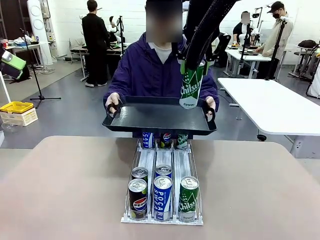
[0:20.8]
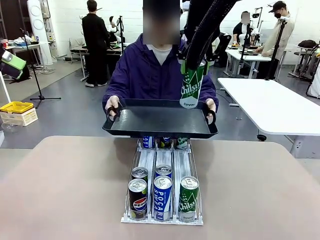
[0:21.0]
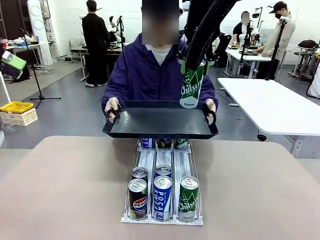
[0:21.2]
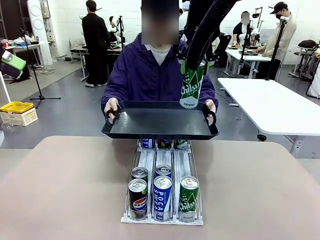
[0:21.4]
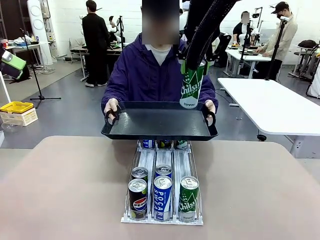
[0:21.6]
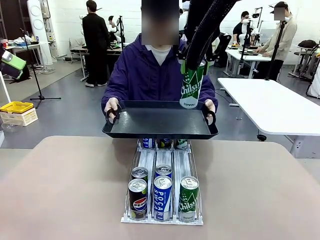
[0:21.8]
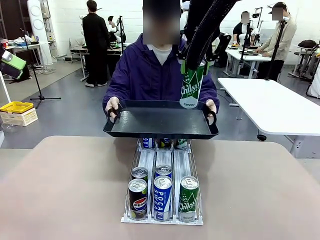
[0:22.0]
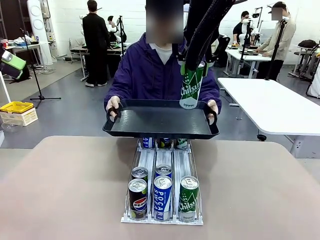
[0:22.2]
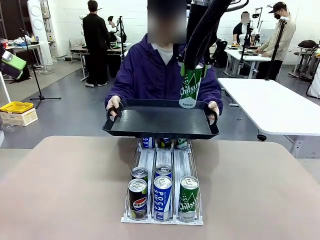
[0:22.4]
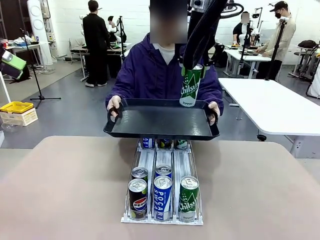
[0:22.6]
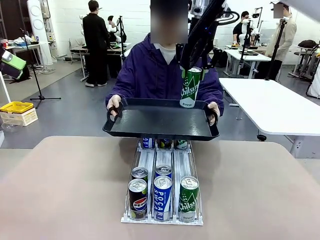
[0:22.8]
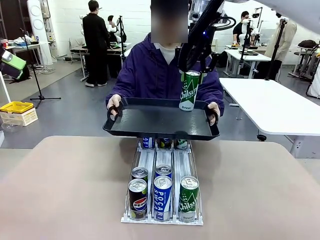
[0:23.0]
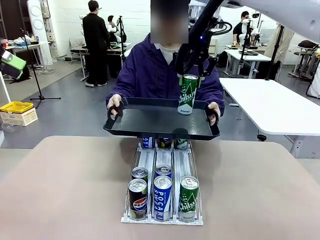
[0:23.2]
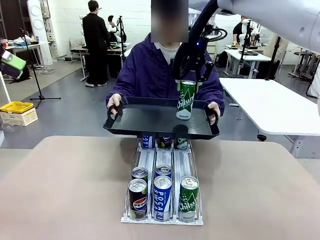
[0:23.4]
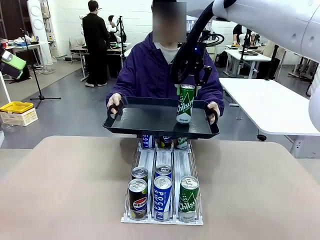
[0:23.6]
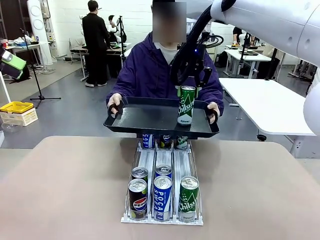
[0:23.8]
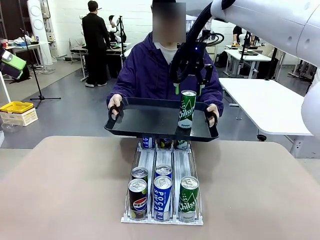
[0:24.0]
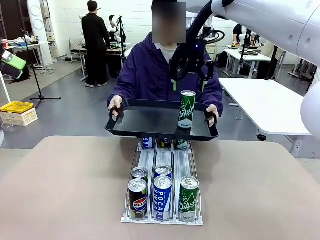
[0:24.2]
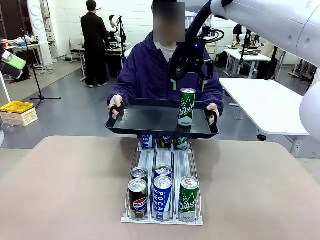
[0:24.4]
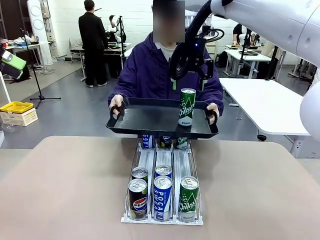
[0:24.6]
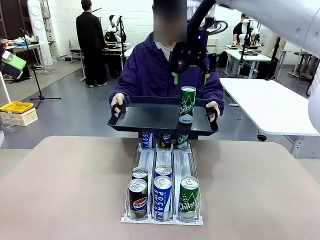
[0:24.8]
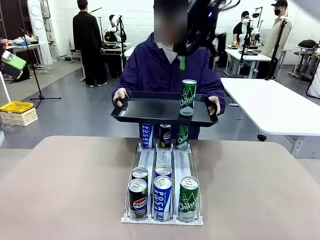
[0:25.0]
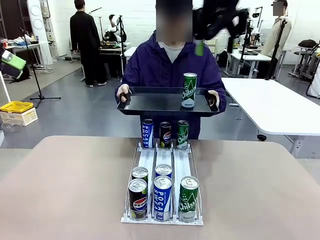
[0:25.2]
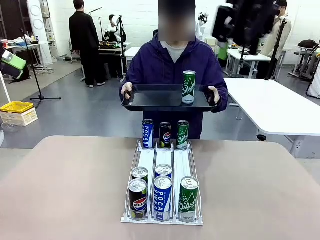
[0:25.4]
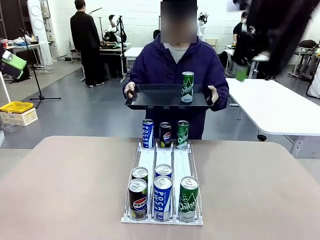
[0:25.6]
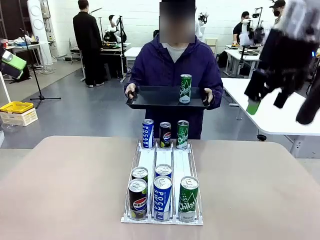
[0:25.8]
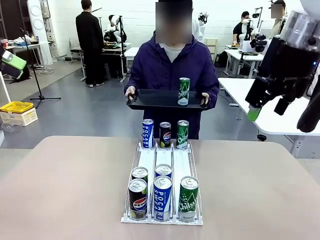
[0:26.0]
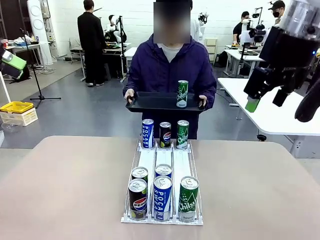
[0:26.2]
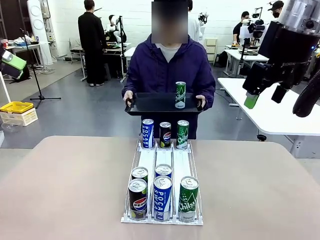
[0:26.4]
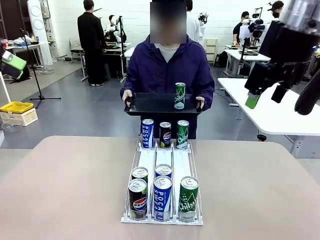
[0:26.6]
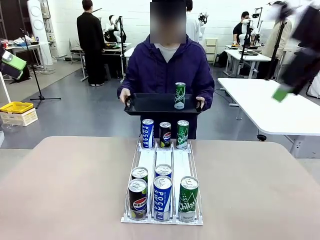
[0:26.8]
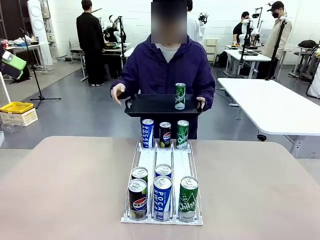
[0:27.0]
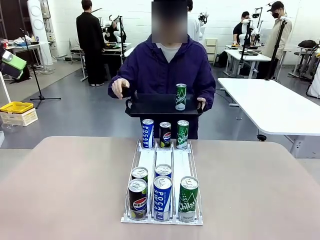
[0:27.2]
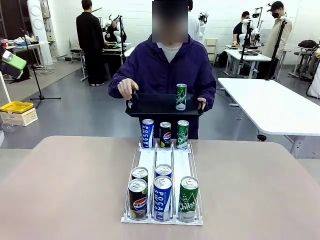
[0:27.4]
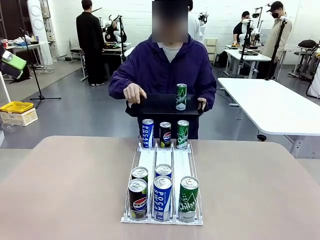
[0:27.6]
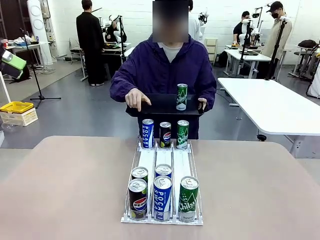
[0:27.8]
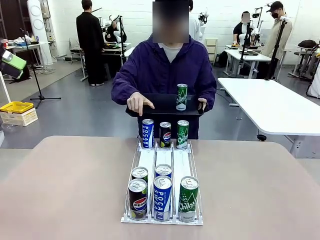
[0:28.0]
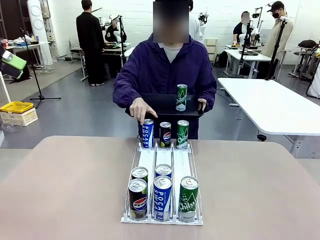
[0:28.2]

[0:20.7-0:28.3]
Task: Retrieve and hand over the desired beverage to the person.
Robot: Place the picked can on the Handle tray extended by the person.
Person: Pull the tray back, then pick up another can from the bottom area of the table and puts it back in its original place.

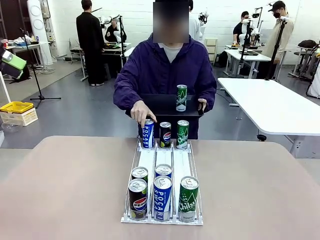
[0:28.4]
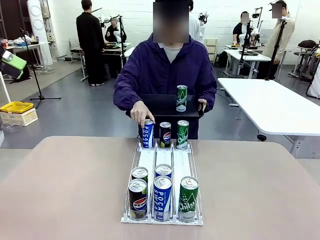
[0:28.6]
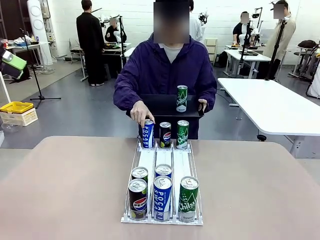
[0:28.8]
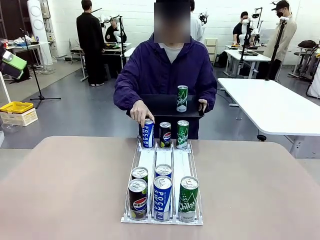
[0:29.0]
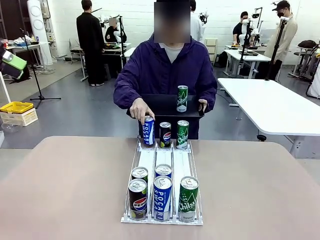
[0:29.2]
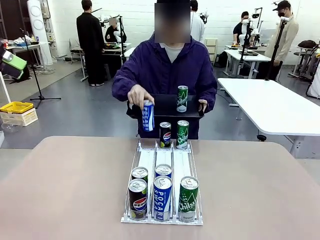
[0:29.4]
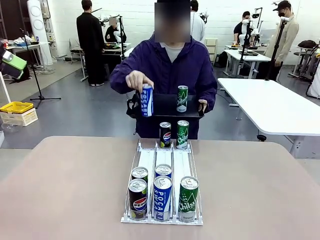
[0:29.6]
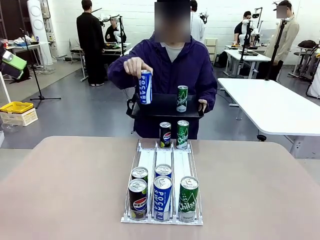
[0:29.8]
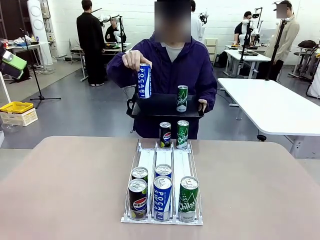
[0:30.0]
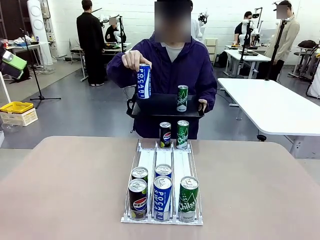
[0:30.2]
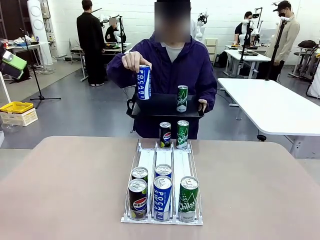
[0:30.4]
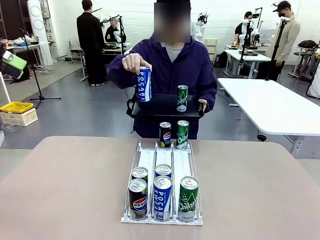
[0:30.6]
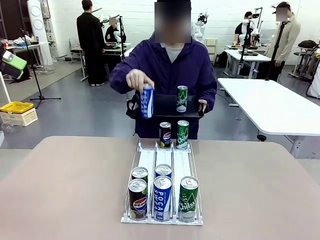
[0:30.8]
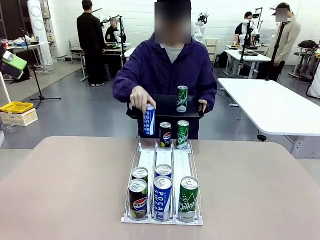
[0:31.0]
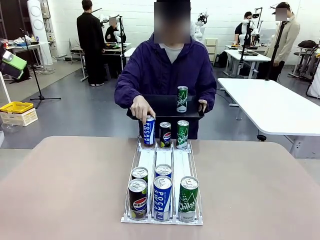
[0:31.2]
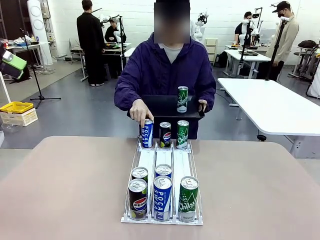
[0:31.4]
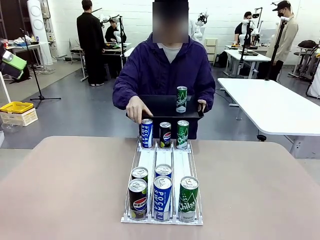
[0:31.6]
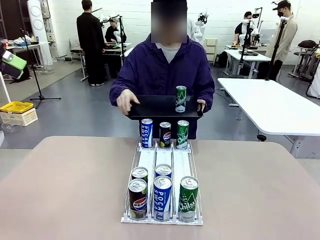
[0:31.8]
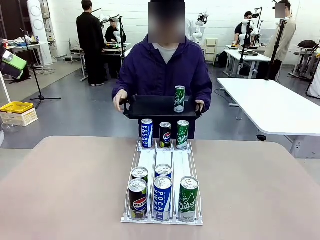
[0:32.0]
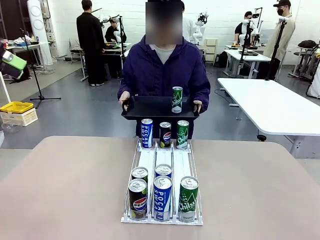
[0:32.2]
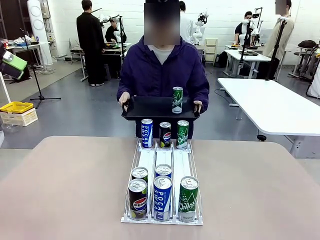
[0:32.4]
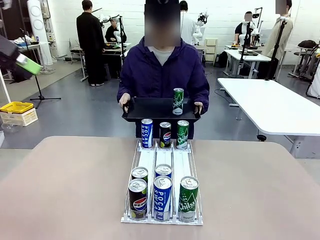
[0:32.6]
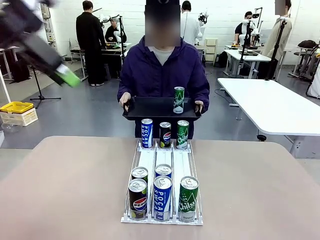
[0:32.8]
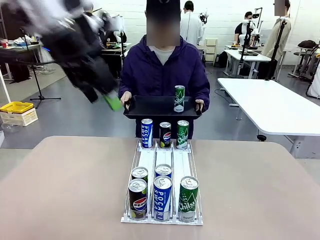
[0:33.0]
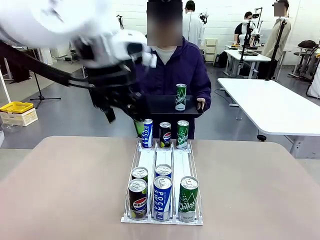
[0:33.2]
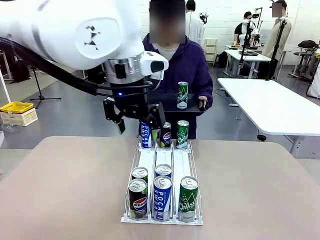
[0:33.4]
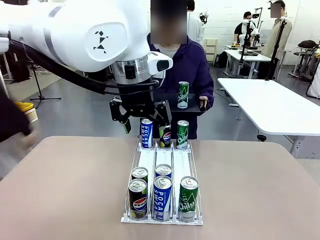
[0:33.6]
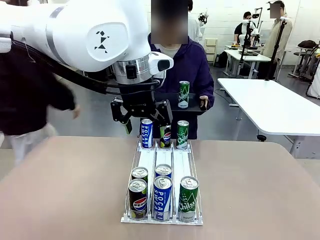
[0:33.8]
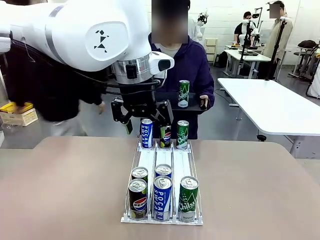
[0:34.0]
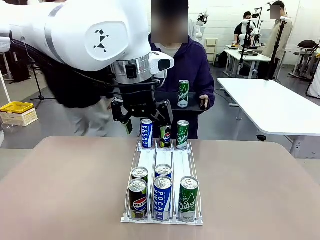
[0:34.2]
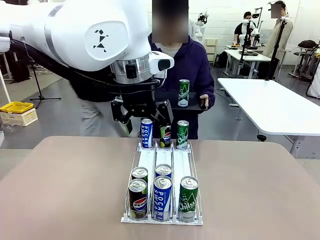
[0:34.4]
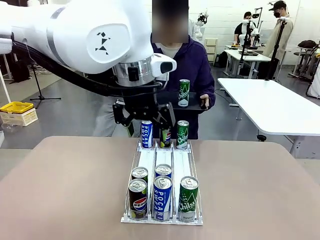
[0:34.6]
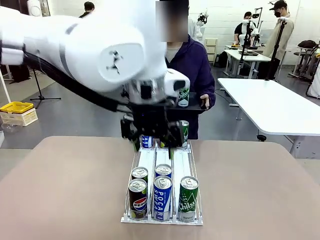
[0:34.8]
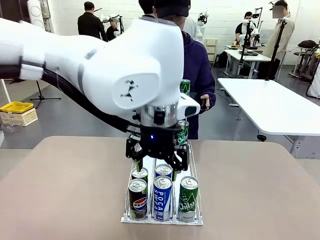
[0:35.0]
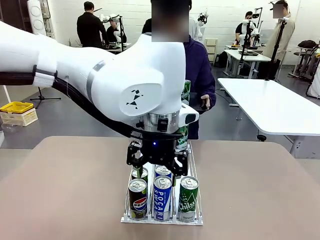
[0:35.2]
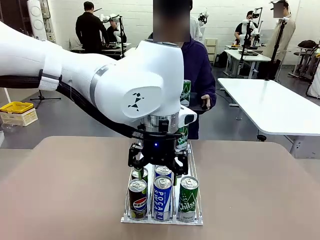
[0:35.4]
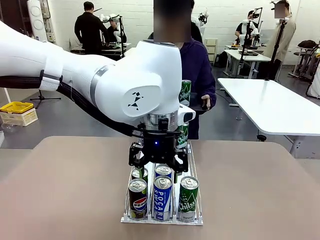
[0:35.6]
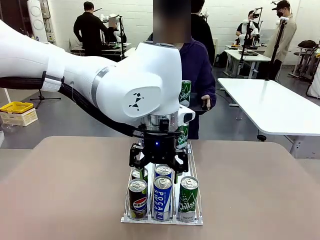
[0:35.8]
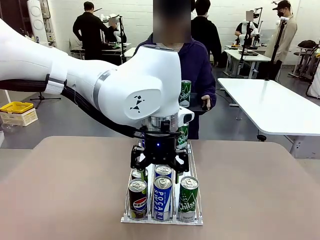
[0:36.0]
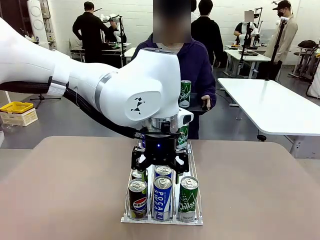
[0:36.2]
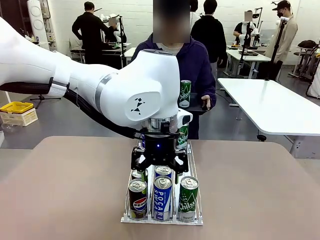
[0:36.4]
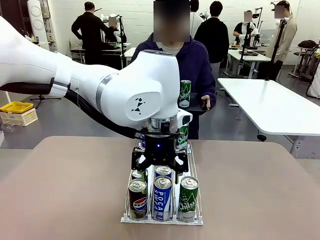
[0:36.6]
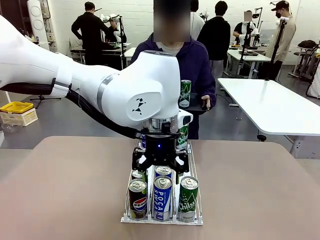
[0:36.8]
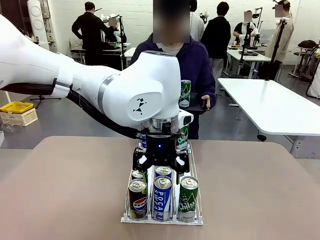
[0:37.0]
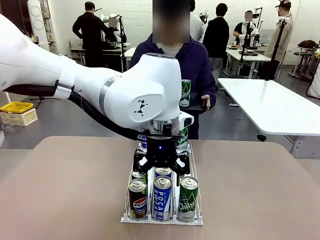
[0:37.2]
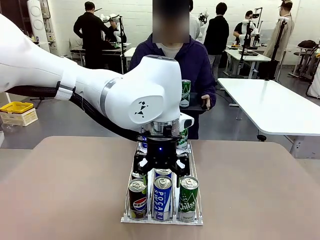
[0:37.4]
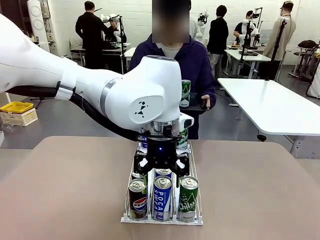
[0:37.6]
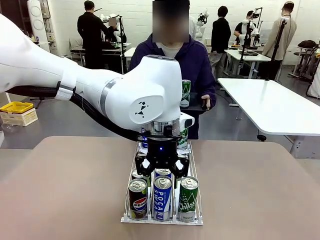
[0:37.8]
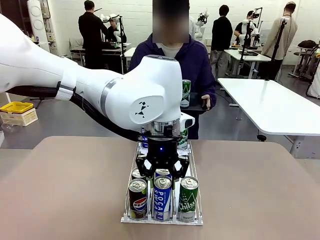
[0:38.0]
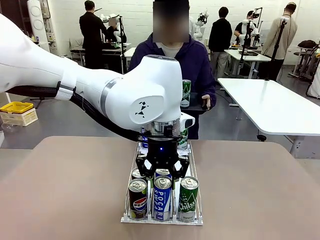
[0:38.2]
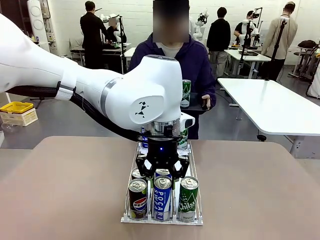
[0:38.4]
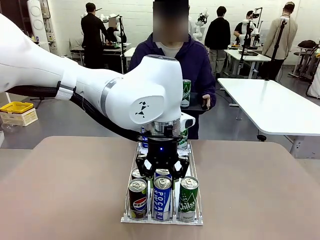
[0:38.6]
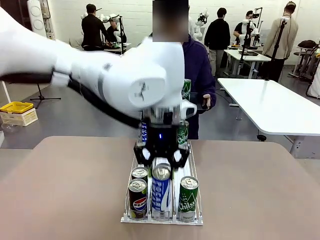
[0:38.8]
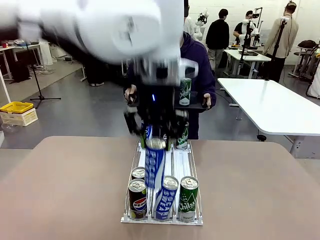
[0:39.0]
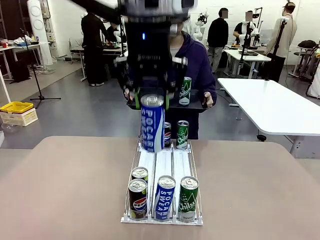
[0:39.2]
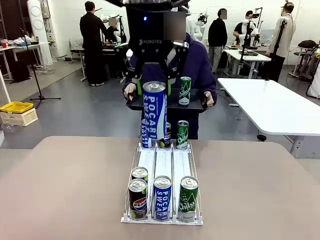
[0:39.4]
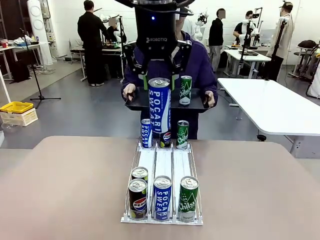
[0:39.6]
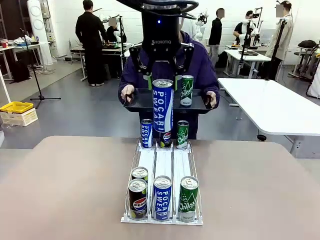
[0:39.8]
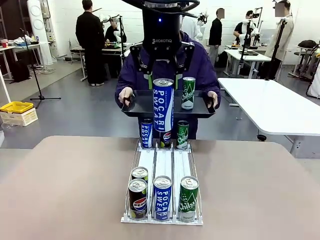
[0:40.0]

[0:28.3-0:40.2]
Robot: Pick up another can of the same type that the person held from the Automatic Can Dispenser.
Person: Push the tray toward the robot again.
